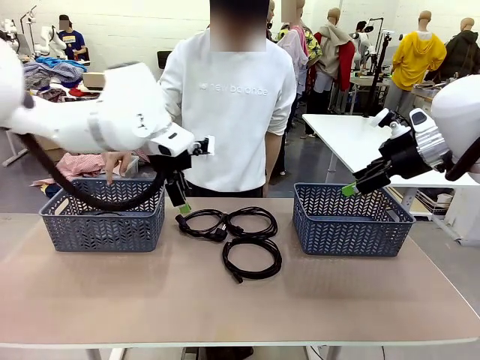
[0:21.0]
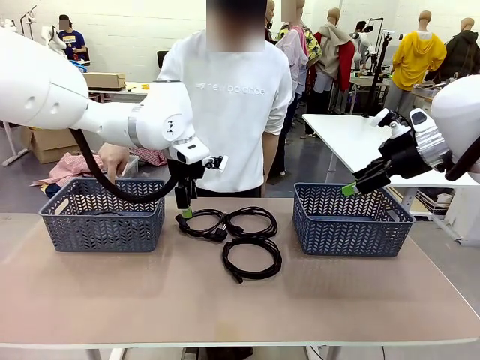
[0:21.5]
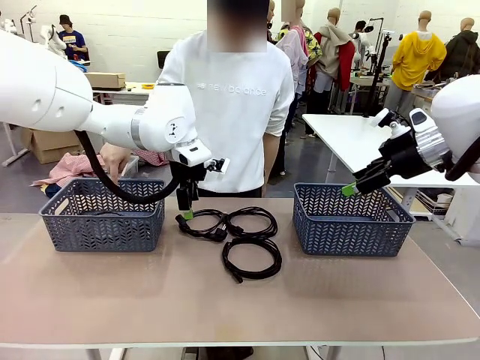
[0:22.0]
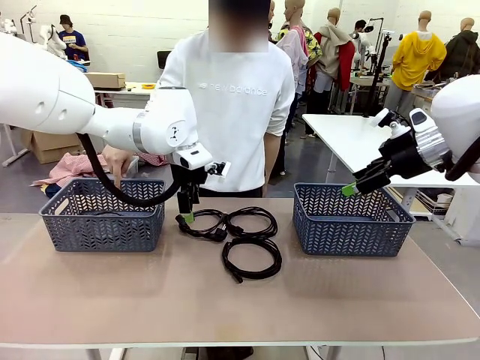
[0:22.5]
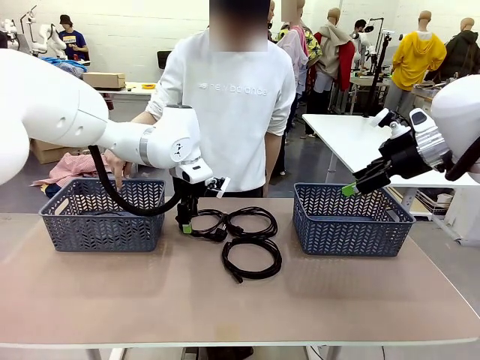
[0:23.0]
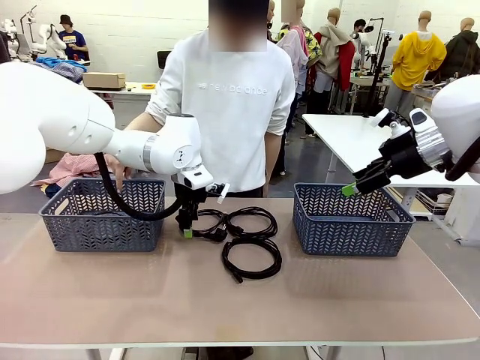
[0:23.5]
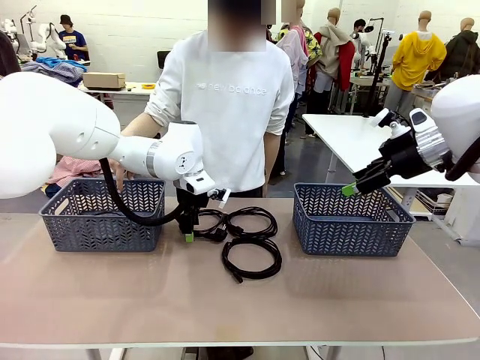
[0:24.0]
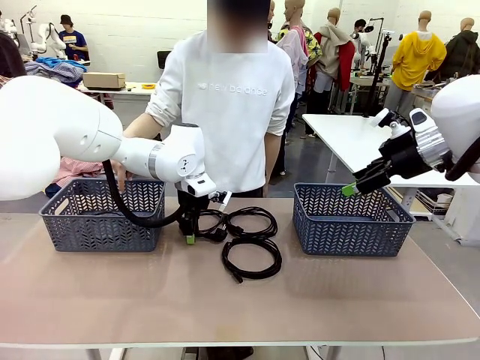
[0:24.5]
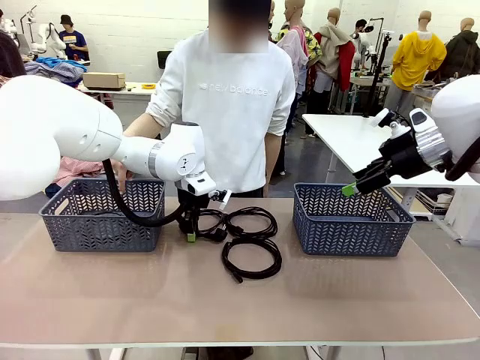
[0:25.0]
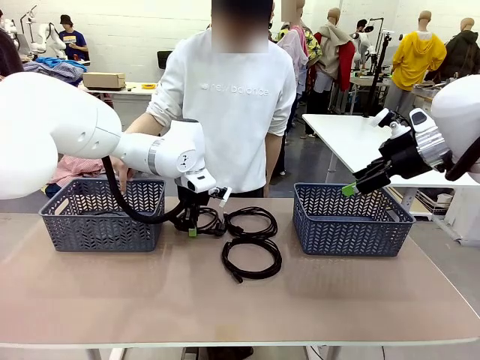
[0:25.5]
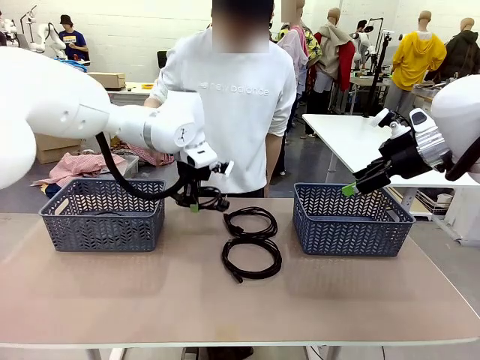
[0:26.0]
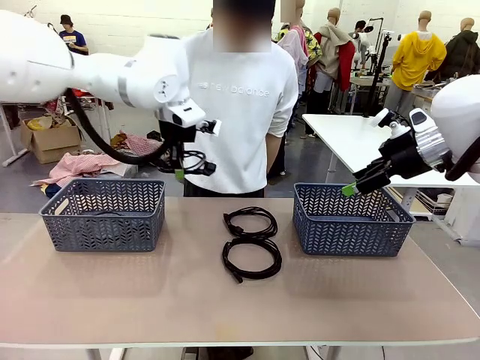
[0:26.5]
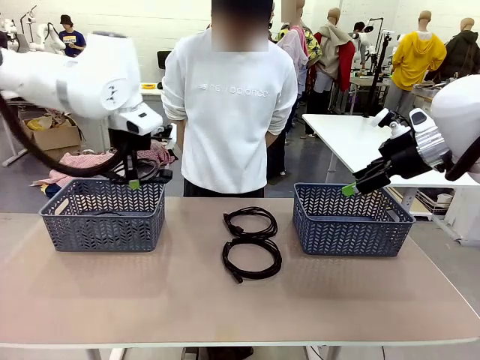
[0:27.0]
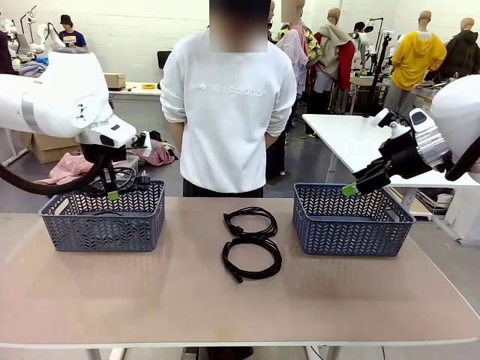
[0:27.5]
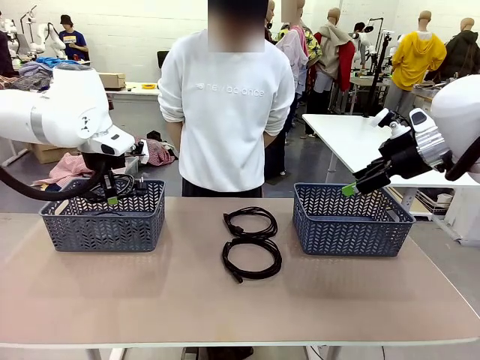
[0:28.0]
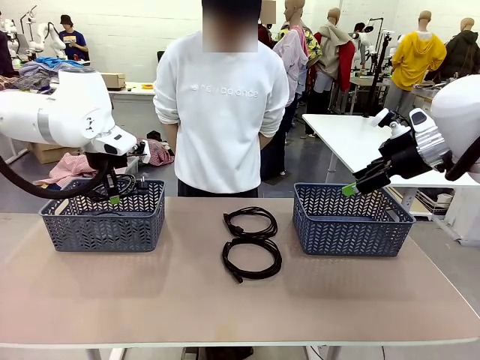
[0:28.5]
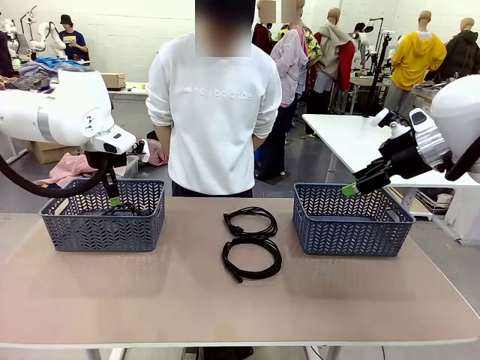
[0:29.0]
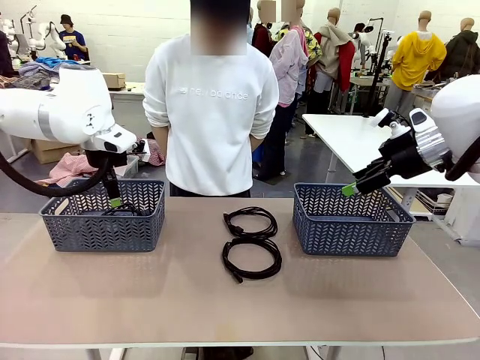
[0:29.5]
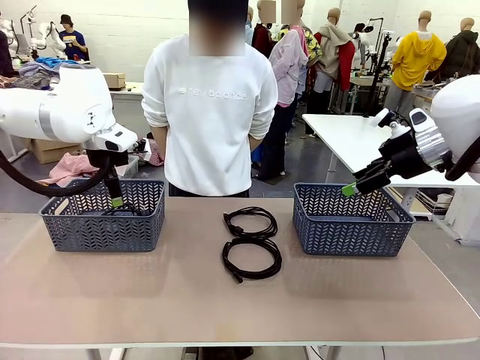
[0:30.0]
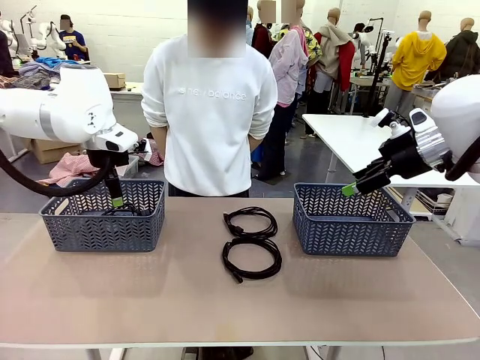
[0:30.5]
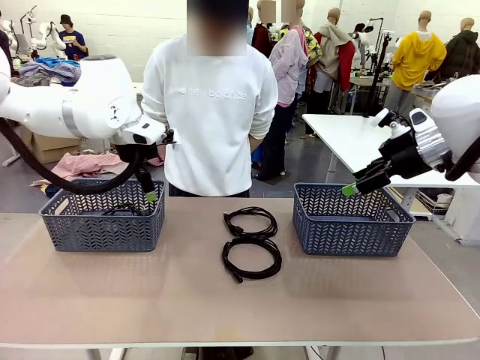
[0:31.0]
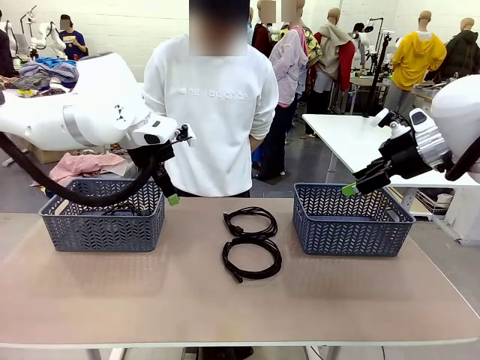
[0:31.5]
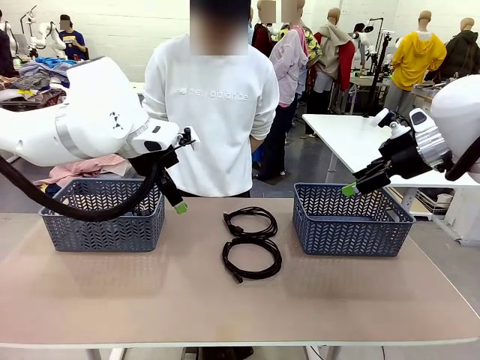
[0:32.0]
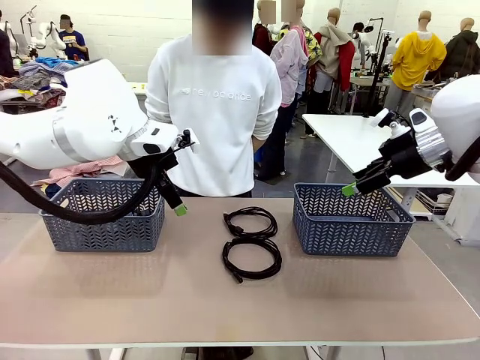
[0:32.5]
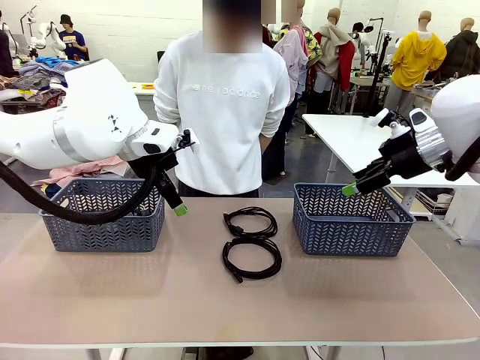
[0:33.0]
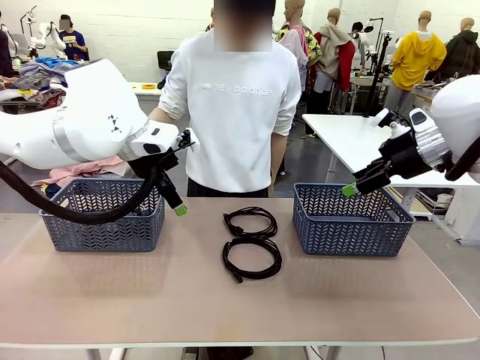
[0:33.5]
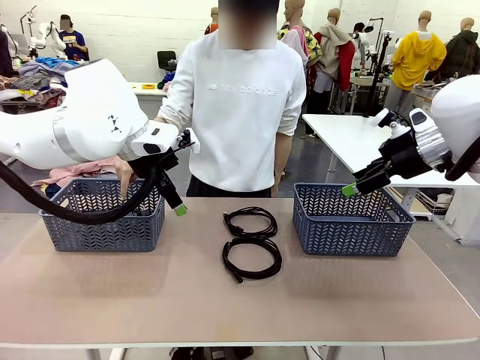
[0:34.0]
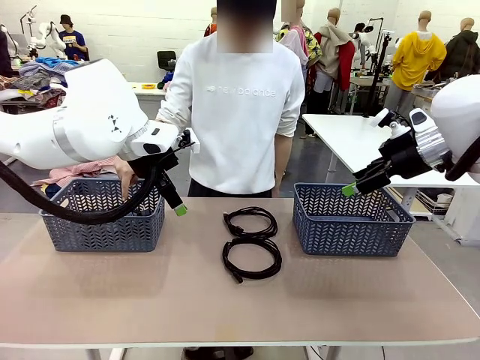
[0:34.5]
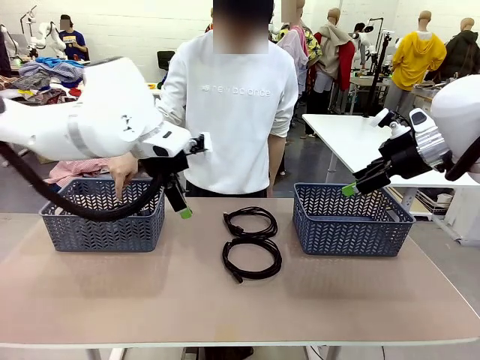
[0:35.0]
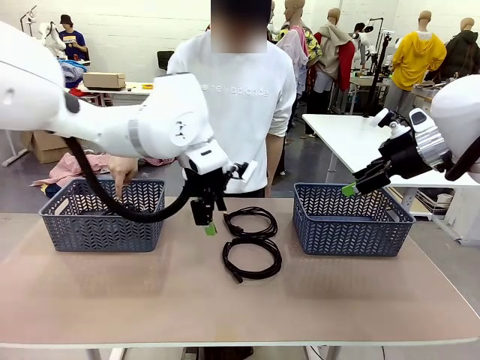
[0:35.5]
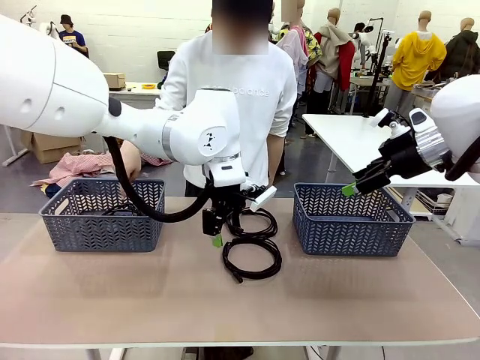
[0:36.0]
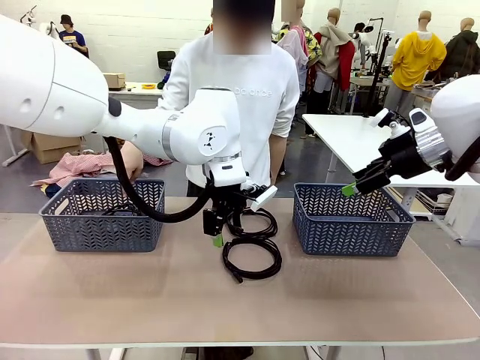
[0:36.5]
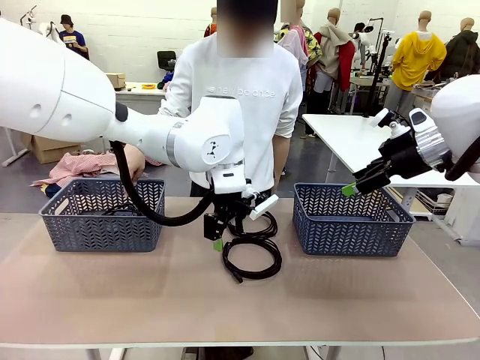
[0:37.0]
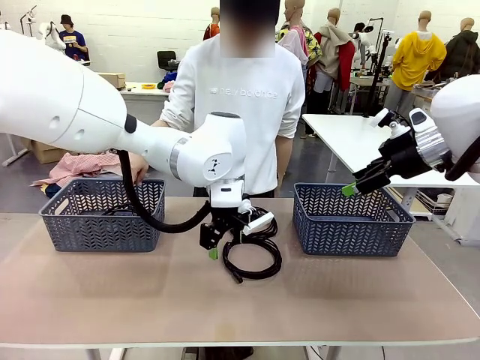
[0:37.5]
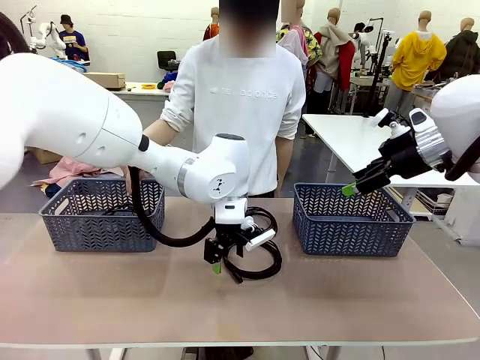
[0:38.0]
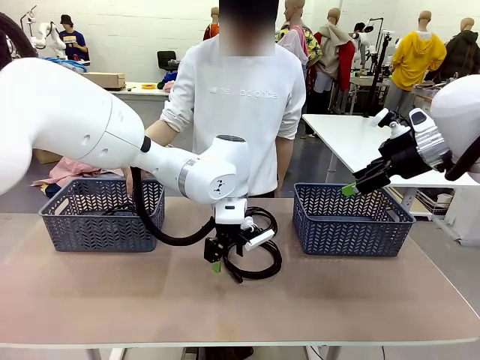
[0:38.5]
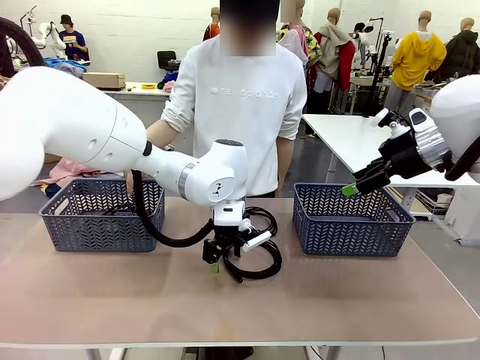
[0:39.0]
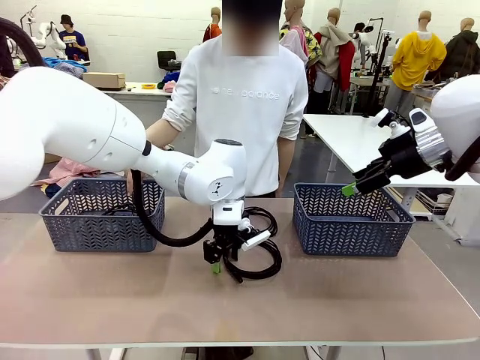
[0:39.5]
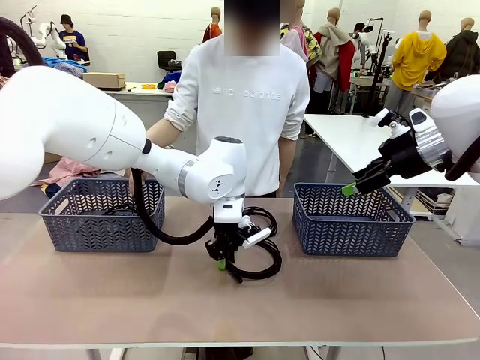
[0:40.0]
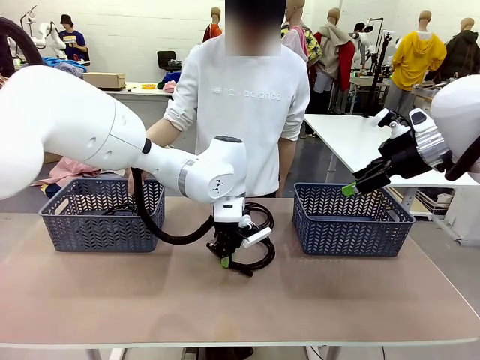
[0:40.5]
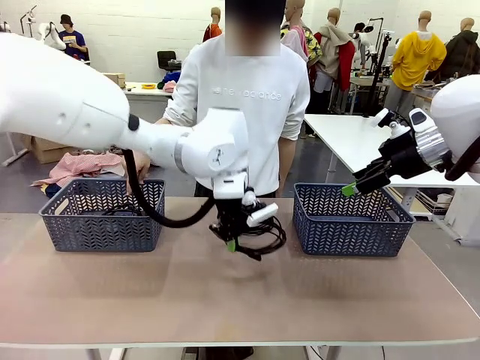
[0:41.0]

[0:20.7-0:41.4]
Task: Organize the cables according to human instructions.
Robot: Pick up a bundle of cables and place it in the basket indicated by the human.
